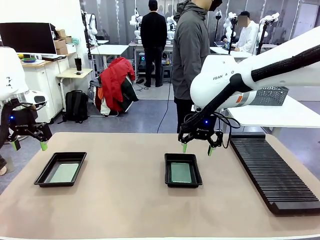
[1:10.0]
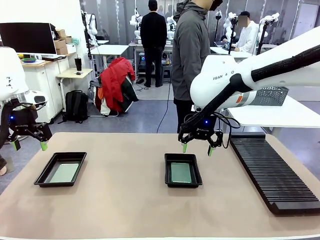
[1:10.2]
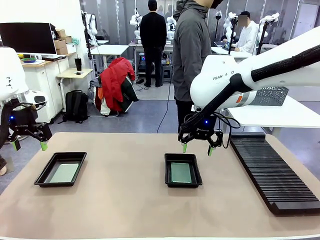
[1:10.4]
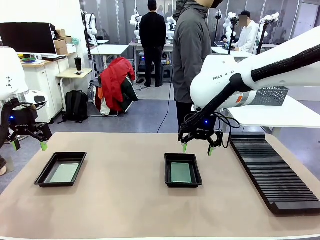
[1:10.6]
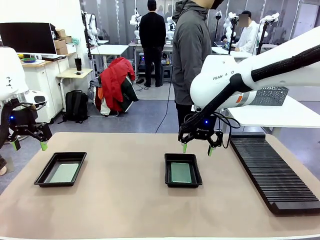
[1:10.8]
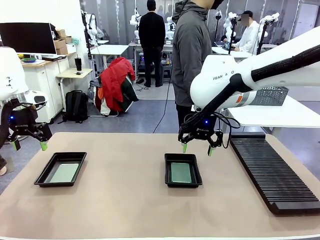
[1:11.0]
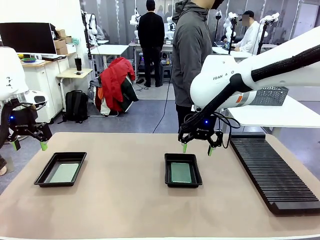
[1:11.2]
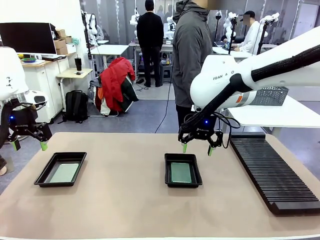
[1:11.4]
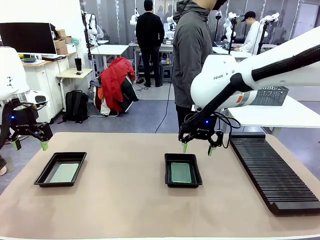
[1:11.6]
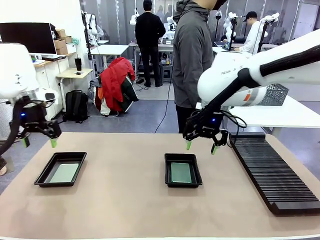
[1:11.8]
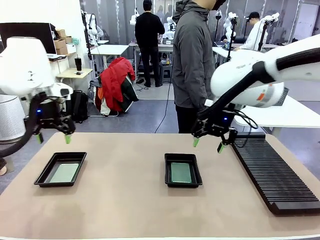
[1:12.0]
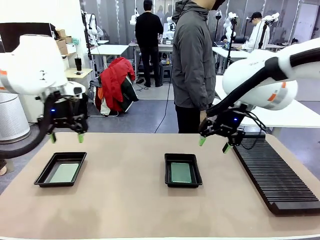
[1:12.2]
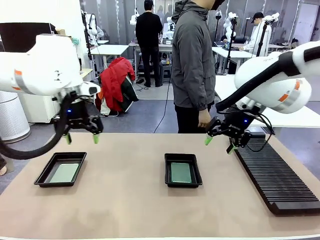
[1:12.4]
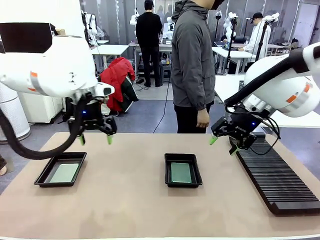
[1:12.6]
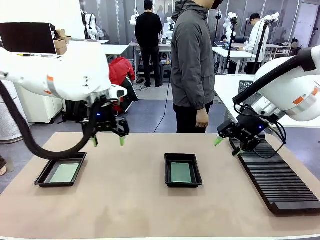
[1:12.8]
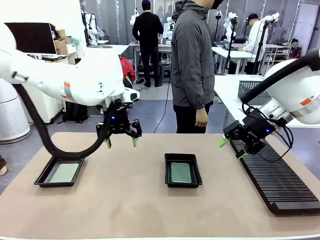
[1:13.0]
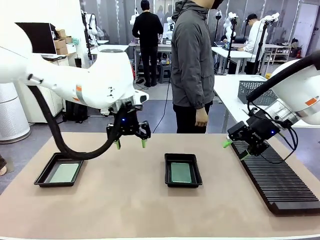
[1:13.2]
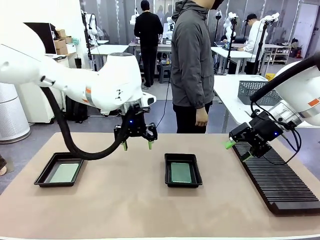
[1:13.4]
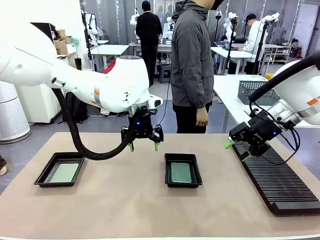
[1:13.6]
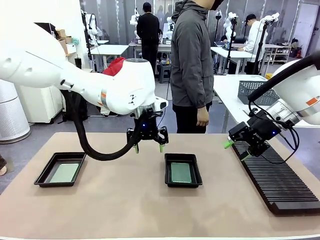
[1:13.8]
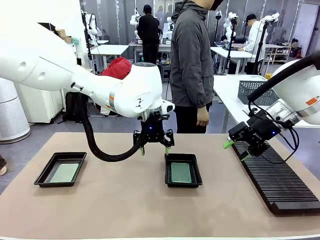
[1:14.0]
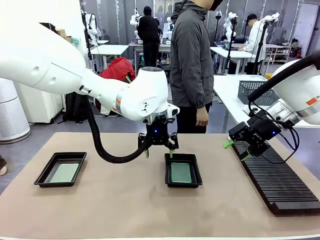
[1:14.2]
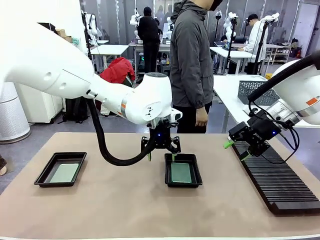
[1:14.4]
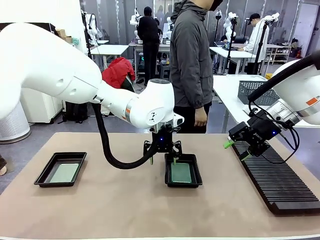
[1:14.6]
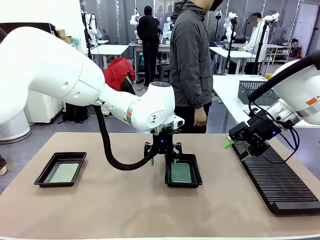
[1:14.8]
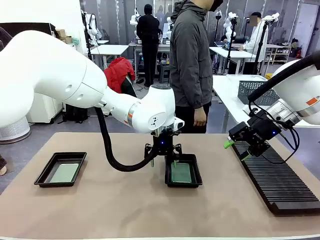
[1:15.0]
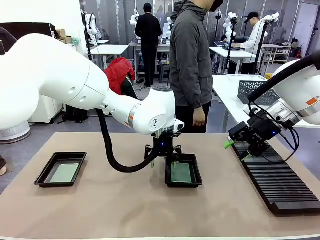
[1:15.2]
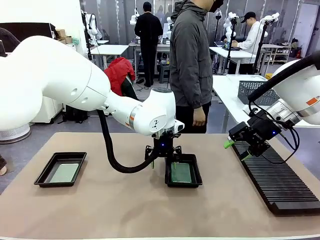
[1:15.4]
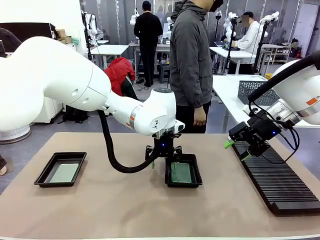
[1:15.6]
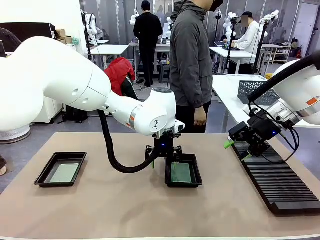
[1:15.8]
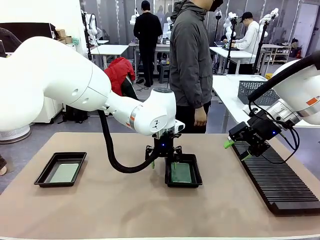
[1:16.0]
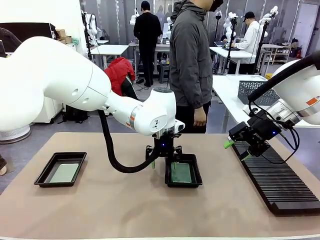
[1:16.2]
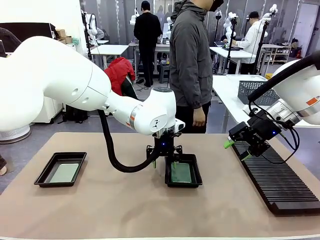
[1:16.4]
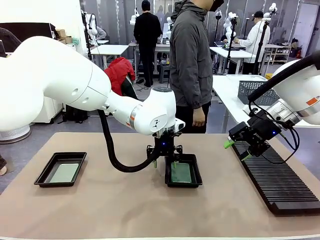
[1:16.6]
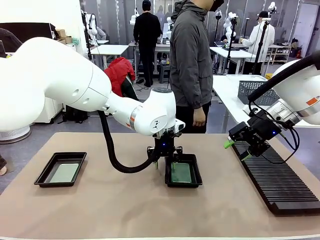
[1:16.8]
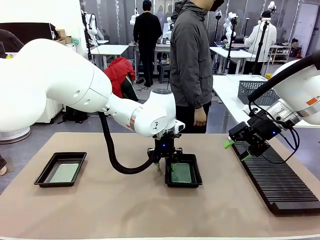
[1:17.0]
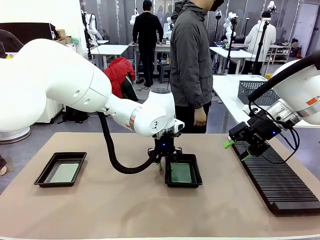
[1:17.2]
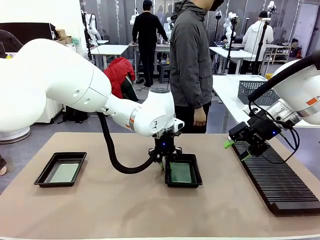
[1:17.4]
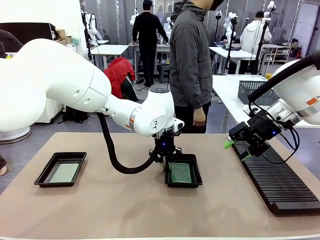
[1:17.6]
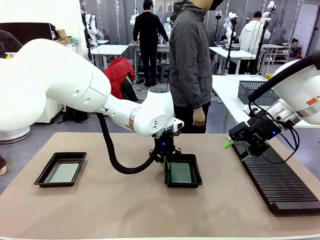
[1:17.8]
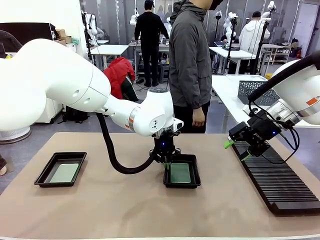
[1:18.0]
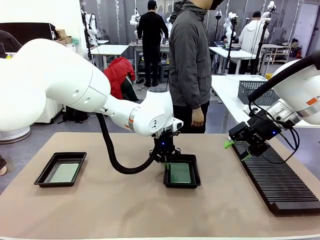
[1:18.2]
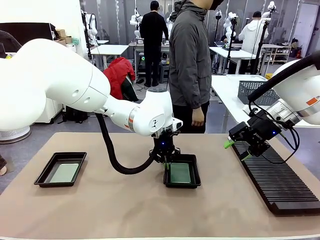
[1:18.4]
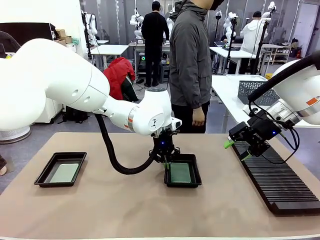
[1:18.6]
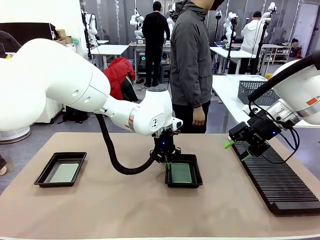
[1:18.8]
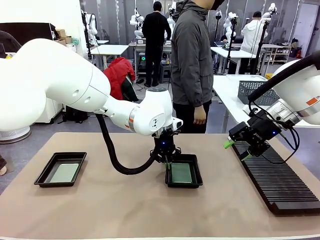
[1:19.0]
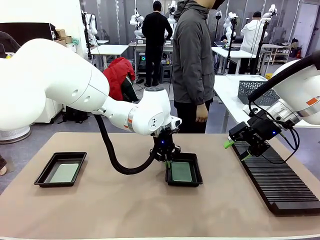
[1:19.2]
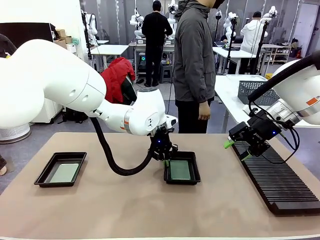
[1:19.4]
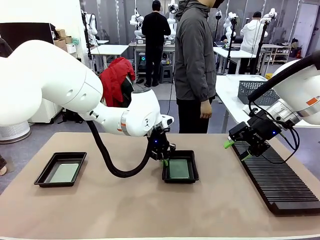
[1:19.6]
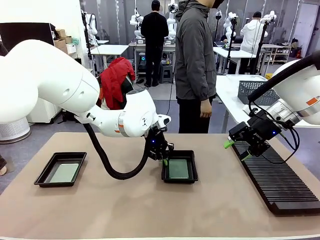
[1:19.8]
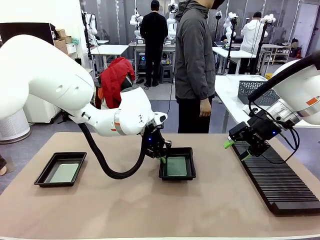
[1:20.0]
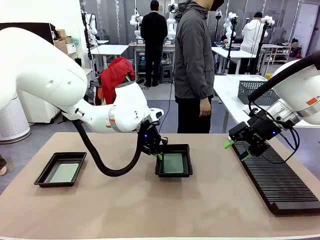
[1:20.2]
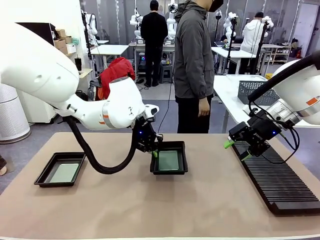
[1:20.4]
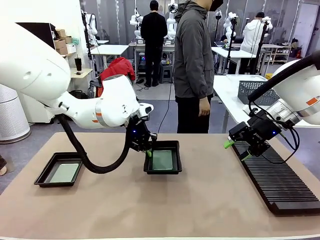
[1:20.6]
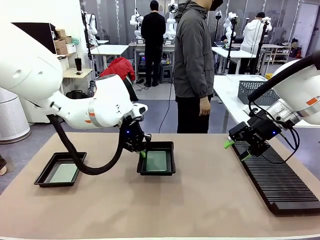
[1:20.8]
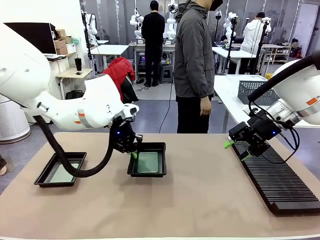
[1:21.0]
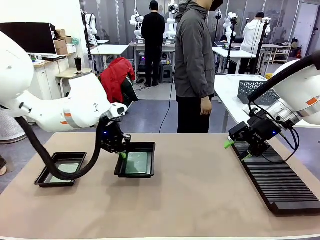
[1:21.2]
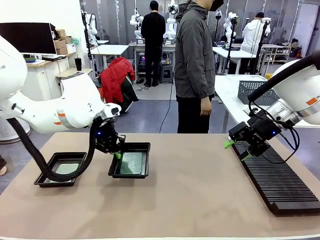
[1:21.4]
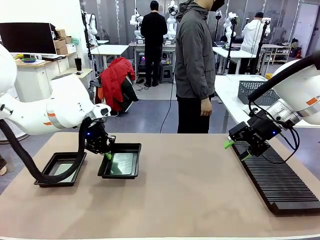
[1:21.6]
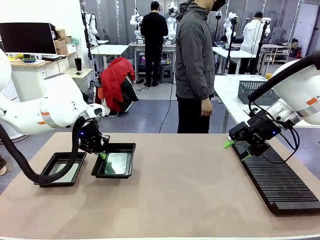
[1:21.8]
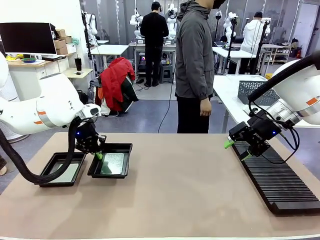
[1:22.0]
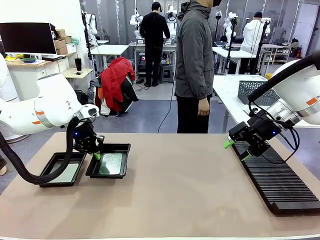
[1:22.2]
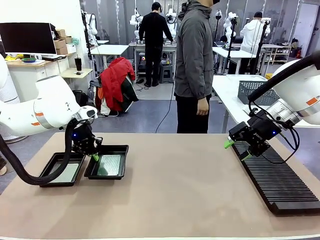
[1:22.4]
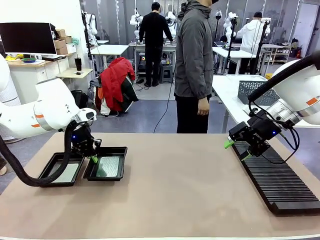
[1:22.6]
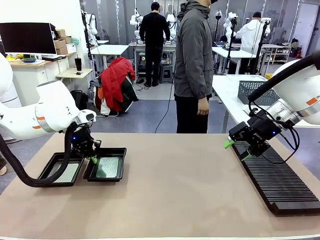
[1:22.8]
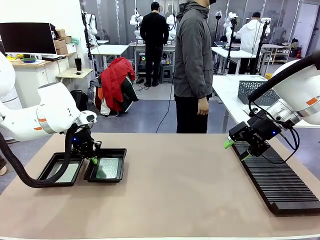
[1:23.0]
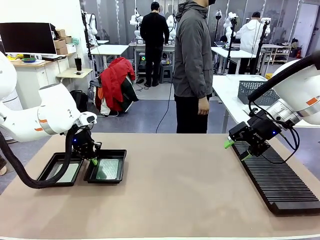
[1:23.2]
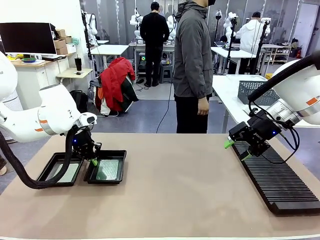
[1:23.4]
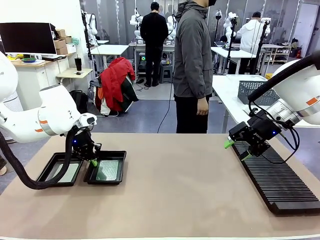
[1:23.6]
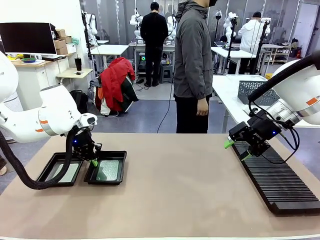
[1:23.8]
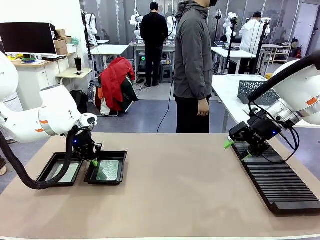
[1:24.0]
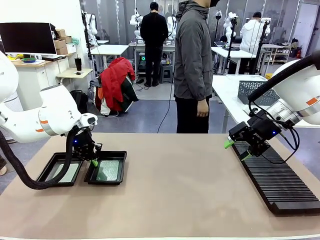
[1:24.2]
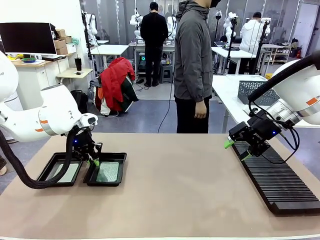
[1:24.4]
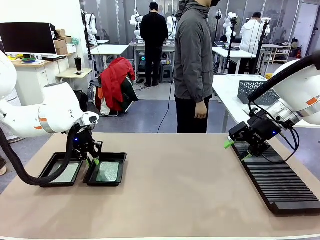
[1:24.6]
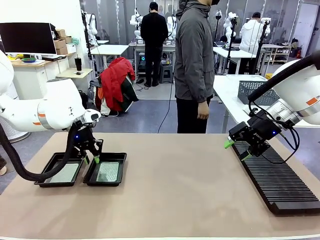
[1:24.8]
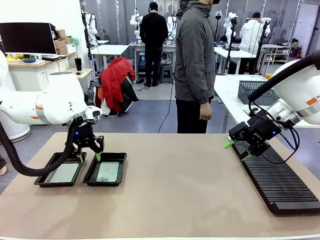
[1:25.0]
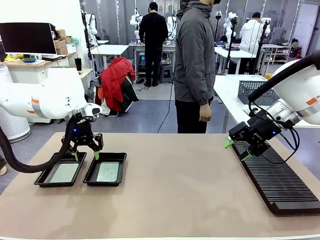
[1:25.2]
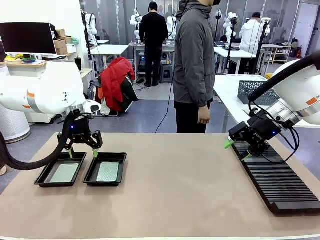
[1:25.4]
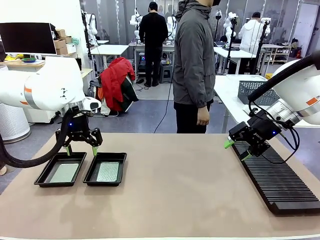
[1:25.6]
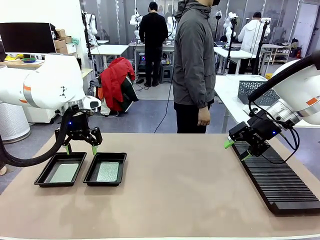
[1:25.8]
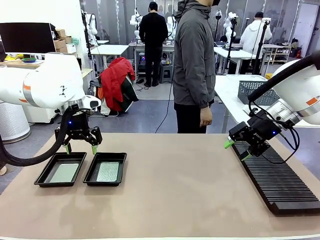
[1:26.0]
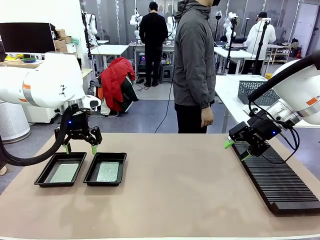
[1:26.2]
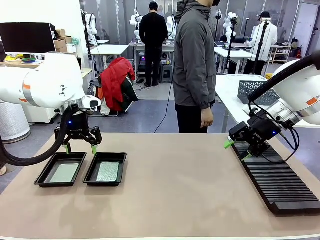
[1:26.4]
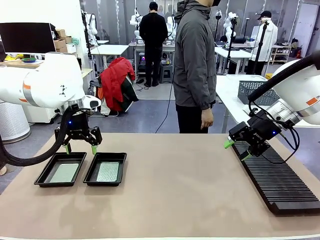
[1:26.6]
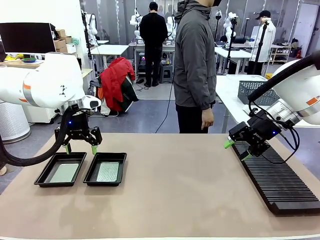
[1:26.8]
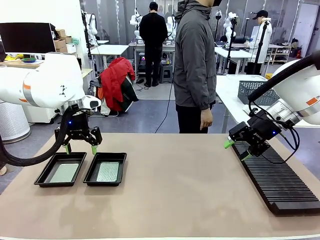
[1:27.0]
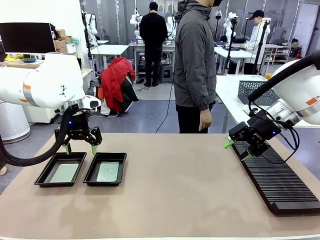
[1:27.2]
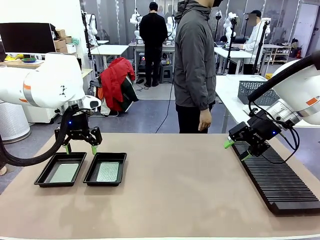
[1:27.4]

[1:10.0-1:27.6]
Task: Inspect and transfer BCBs to ESD trays.
Robot: Pick up the ESD tray and place it on the left side of the table.
